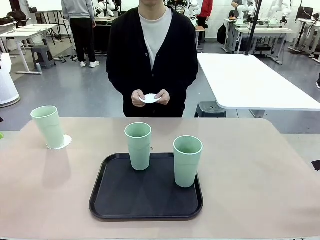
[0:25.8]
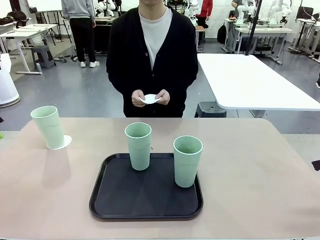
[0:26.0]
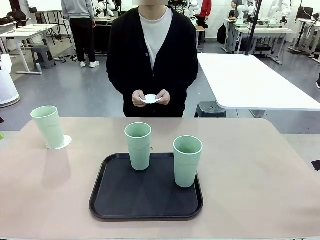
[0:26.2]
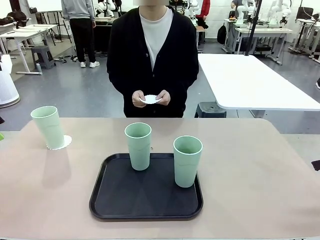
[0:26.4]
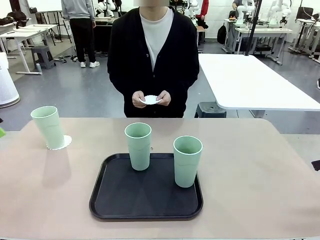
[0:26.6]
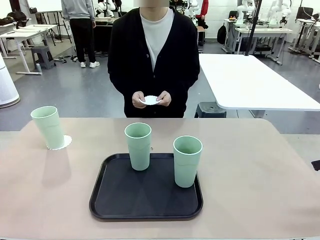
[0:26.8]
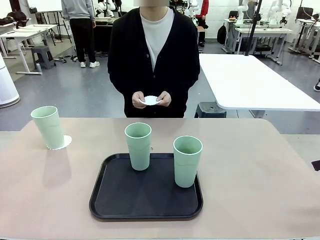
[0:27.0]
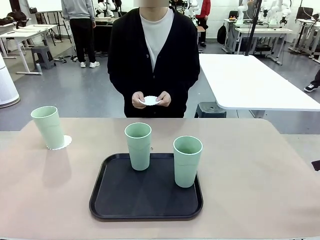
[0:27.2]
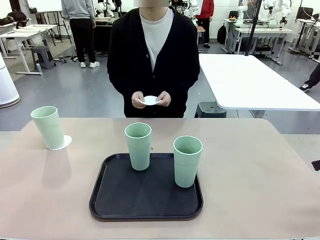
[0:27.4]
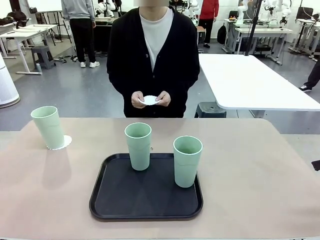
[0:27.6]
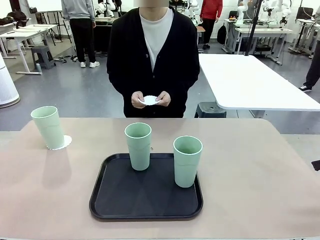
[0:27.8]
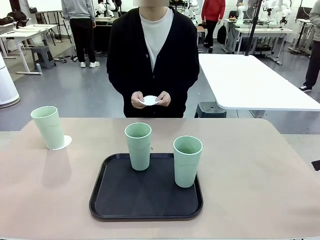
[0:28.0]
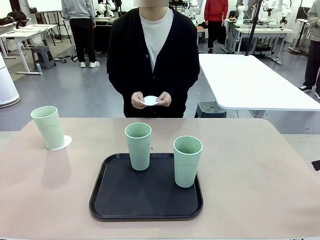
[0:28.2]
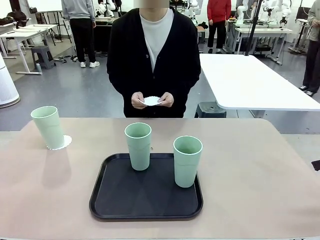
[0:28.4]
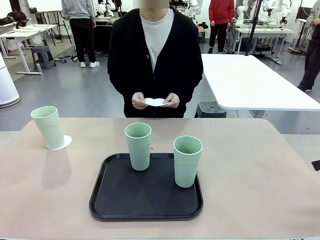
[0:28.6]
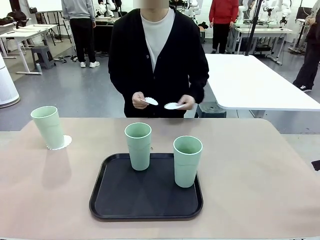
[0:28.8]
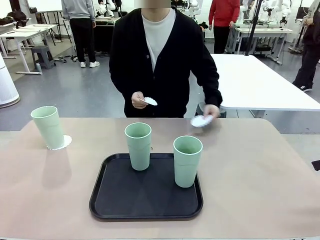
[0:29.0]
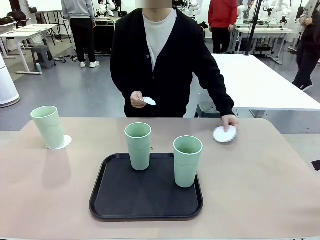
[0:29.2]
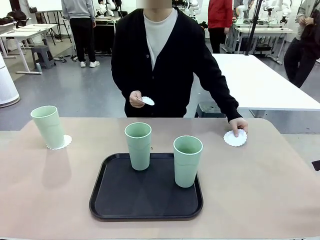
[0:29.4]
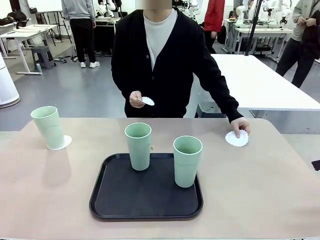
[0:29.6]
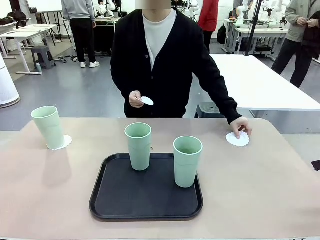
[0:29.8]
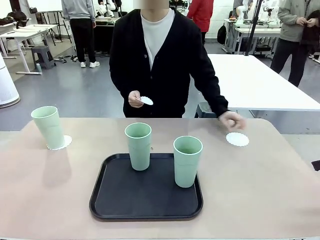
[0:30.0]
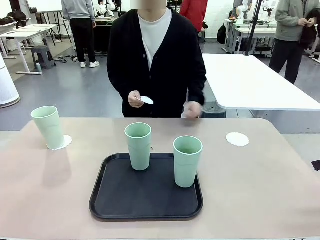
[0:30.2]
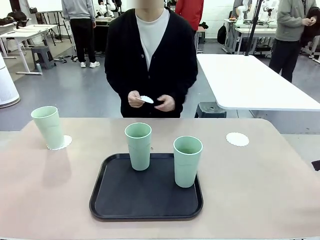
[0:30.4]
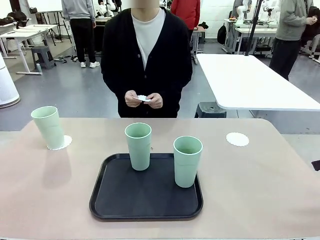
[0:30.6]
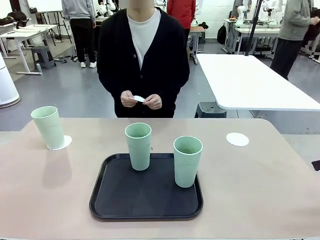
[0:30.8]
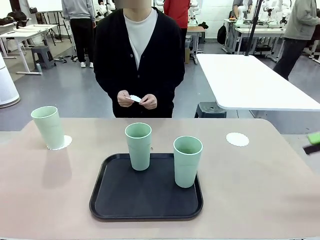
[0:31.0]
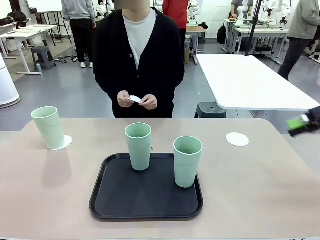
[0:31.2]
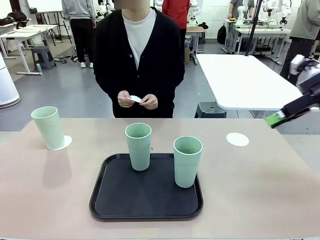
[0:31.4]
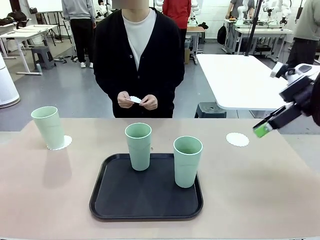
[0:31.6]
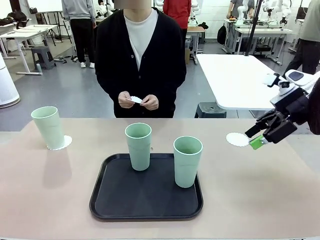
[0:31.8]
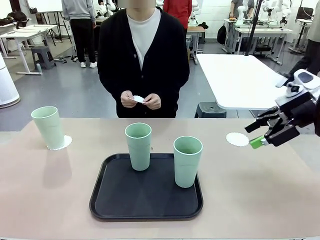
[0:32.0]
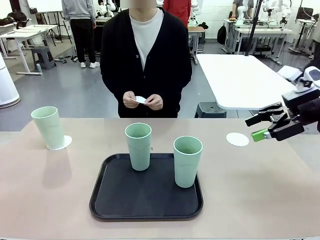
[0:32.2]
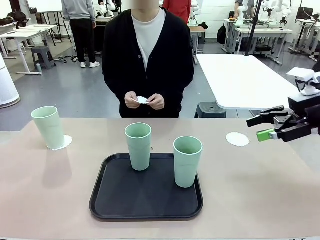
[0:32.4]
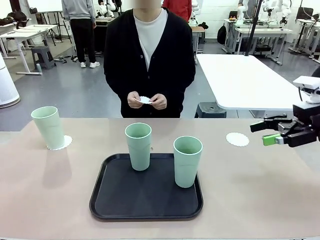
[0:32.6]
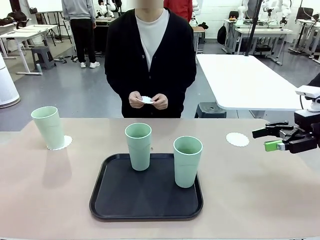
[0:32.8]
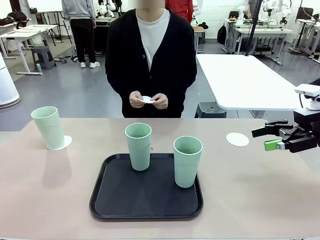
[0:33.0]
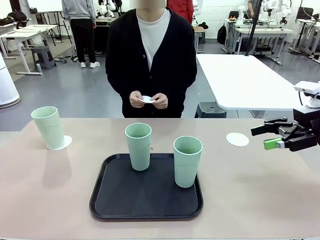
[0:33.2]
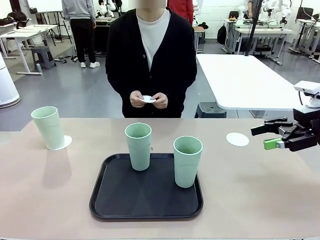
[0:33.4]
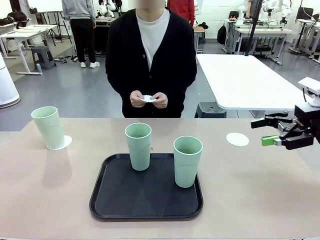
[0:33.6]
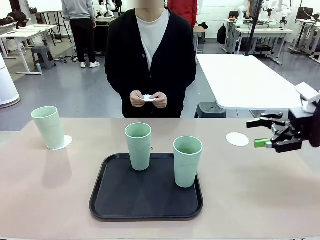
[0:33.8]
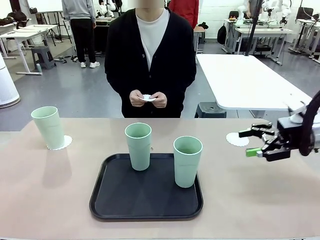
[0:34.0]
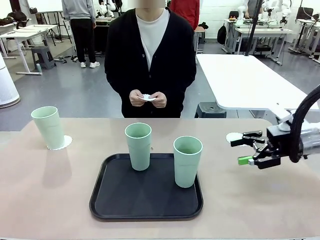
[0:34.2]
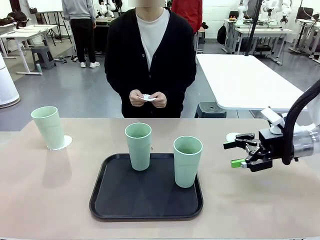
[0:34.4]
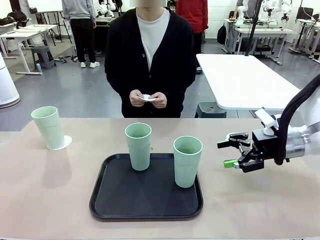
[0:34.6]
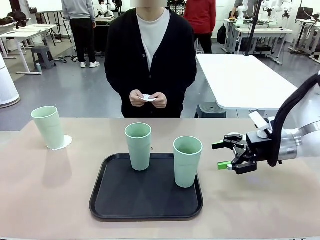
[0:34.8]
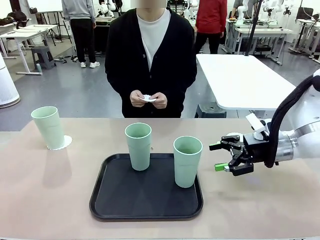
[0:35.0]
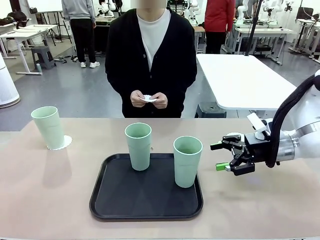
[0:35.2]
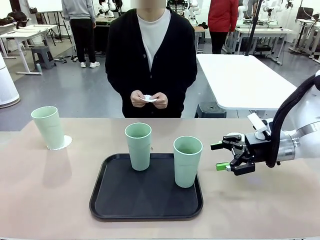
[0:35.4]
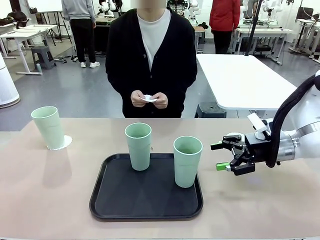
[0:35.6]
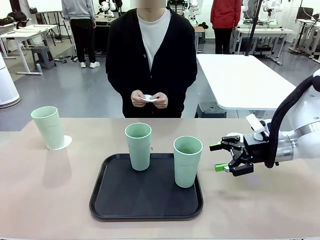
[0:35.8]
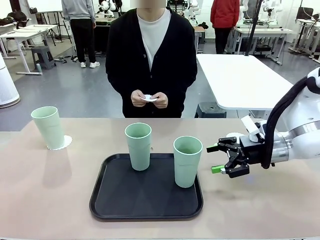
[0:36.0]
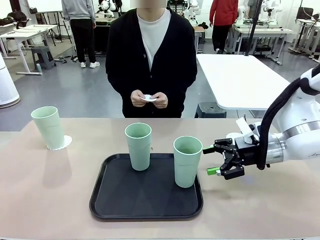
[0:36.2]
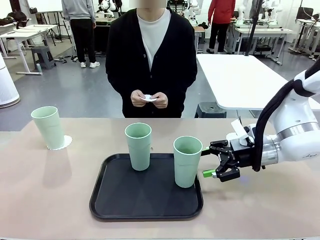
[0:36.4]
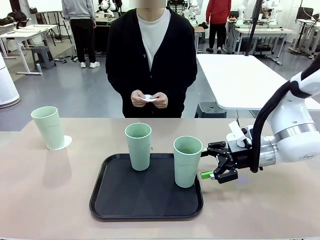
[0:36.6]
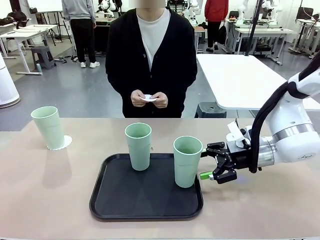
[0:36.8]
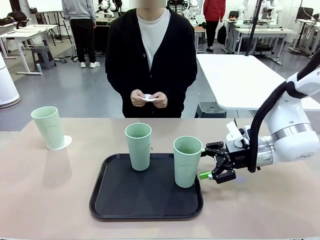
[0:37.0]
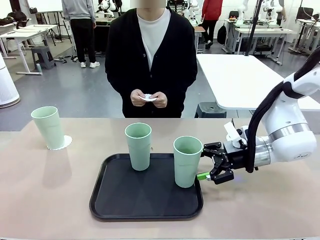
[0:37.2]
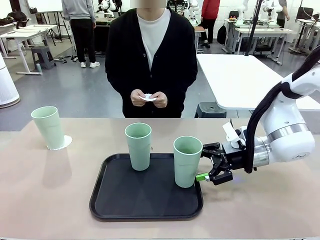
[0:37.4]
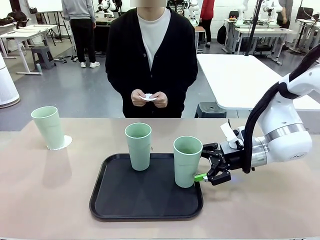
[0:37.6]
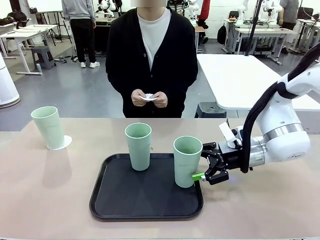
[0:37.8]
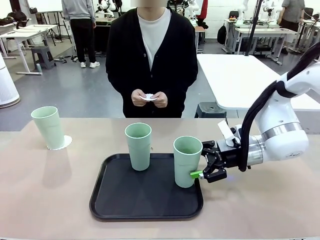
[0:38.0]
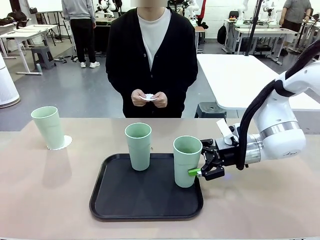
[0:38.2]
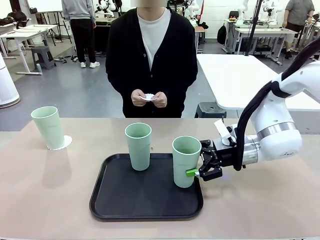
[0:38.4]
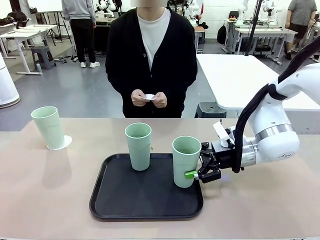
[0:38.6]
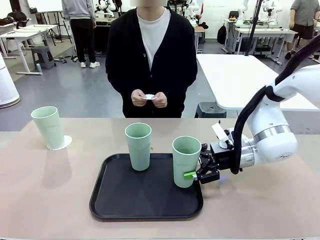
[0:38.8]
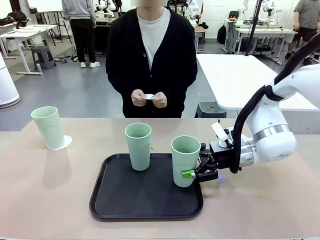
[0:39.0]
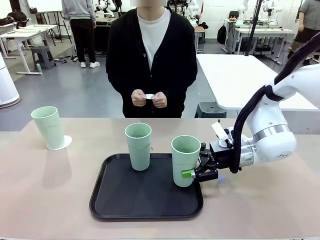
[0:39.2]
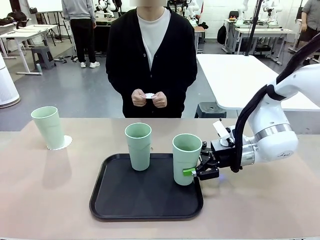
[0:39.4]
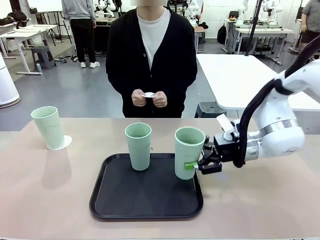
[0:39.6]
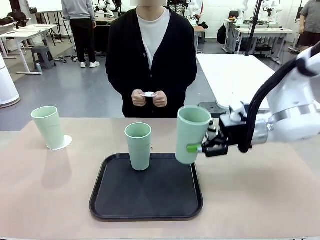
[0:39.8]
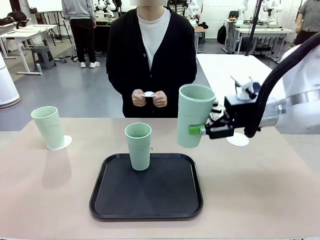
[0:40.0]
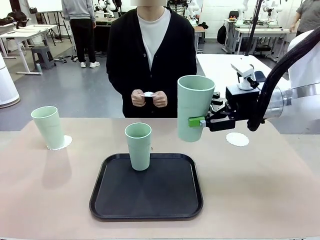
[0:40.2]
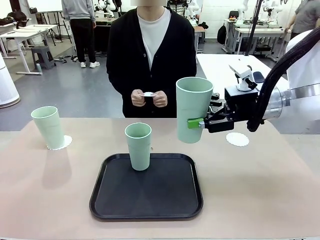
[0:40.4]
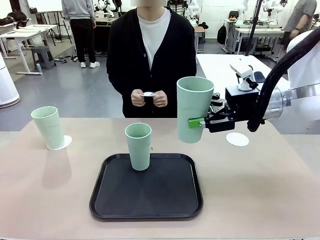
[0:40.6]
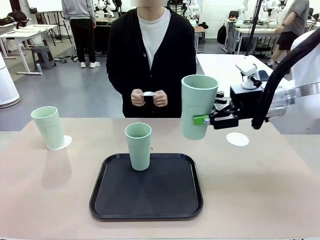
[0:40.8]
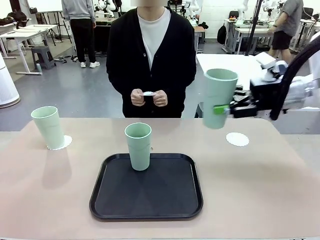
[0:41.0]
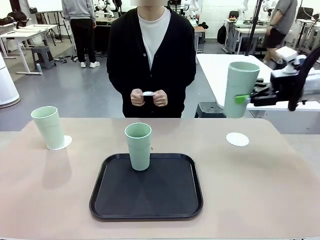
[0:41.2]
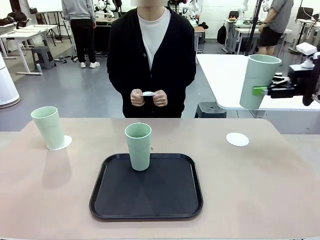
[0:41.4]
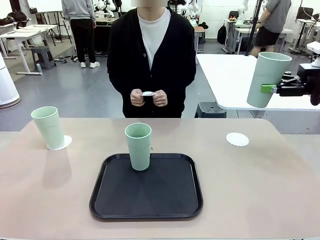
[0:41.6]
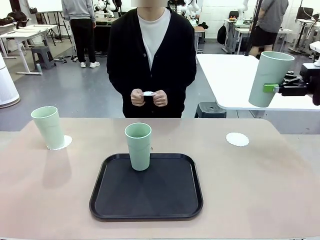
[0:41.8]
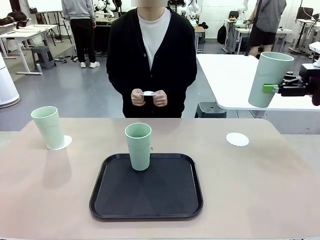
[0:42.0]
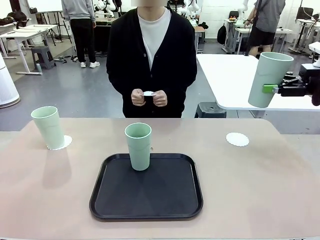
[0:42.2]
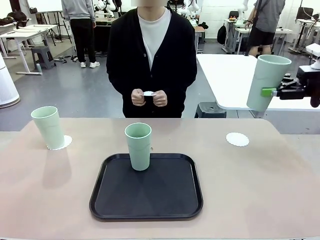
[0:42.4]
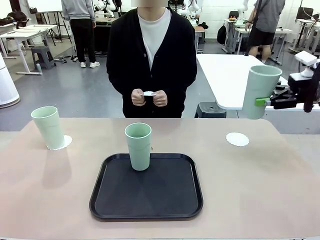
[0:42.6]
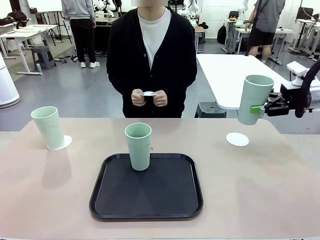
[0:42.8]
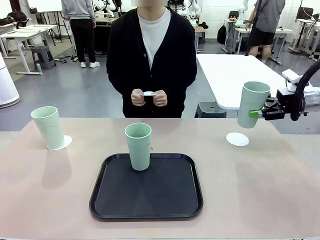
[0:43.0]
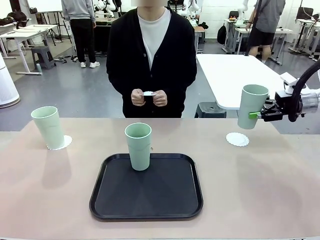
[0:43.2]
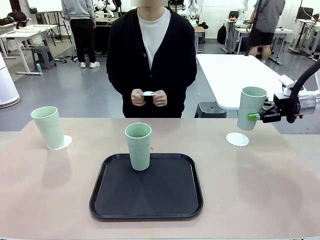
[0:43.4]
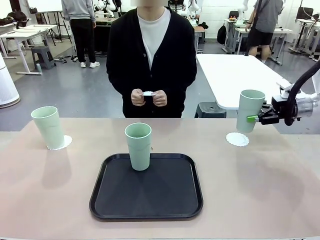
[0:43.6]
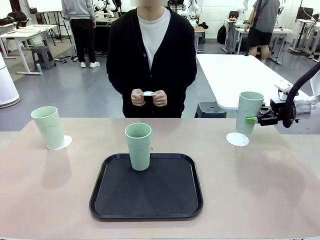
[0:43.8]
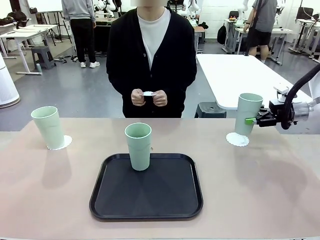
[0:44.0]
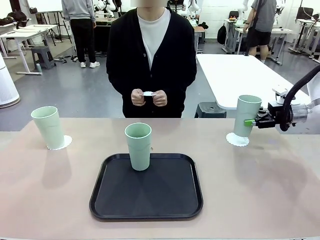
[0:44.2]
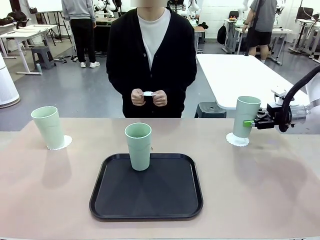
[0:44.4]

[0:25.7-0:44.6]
Task: Place coasters on the table and set cups on them.
Robot: Take one Reusable plastic cup from the Flat Tray and place it on a coaster set by the human.
